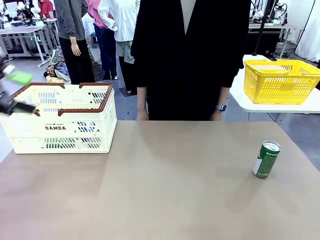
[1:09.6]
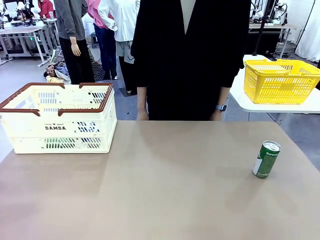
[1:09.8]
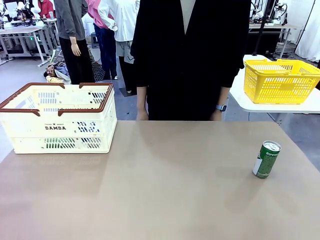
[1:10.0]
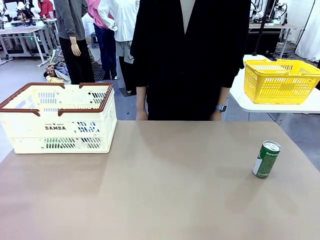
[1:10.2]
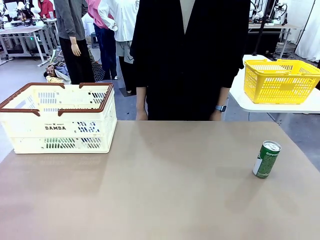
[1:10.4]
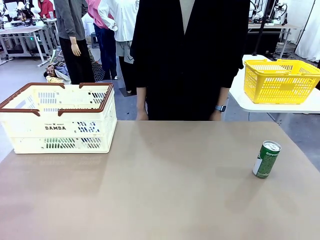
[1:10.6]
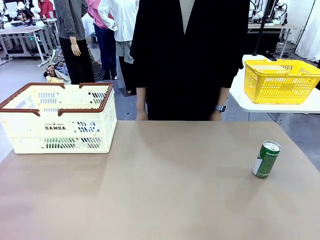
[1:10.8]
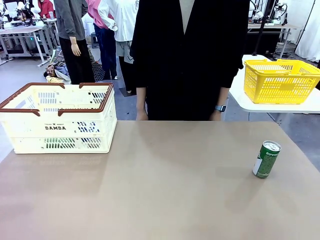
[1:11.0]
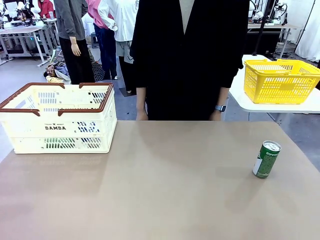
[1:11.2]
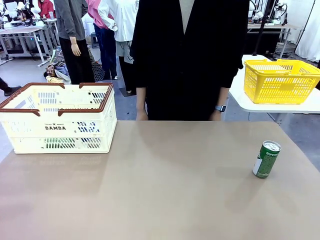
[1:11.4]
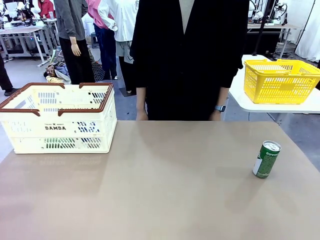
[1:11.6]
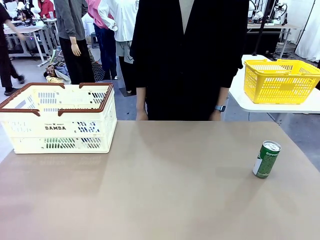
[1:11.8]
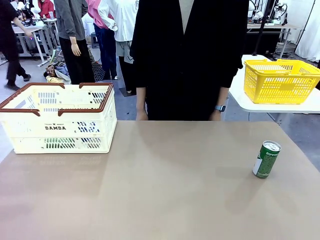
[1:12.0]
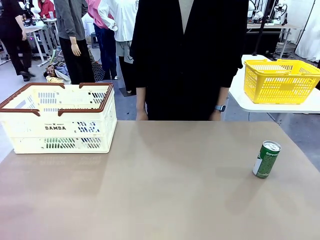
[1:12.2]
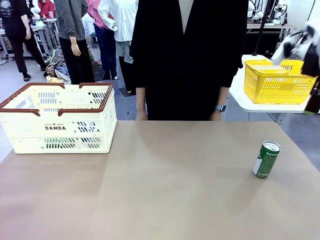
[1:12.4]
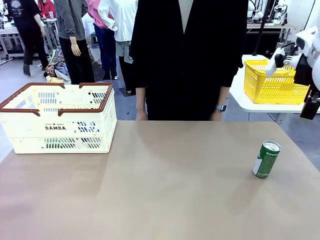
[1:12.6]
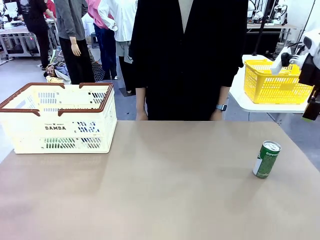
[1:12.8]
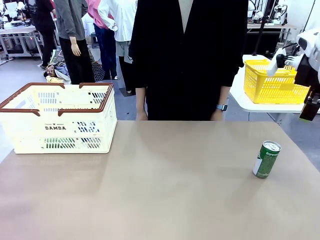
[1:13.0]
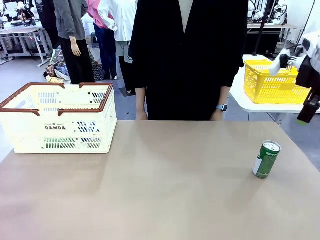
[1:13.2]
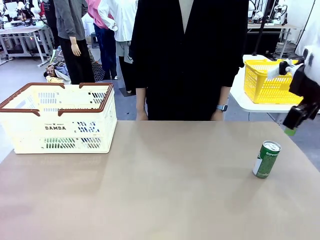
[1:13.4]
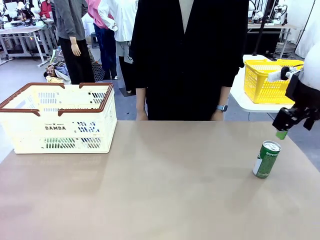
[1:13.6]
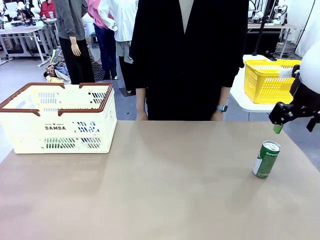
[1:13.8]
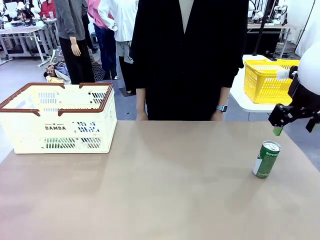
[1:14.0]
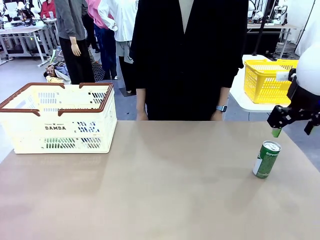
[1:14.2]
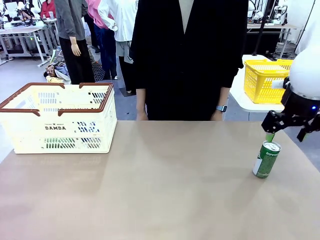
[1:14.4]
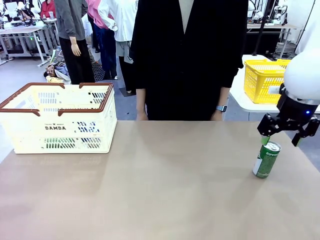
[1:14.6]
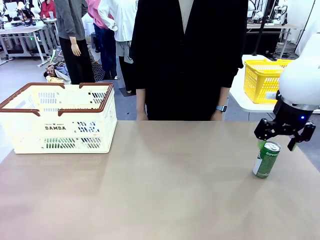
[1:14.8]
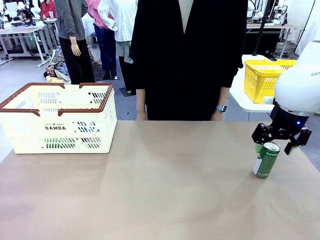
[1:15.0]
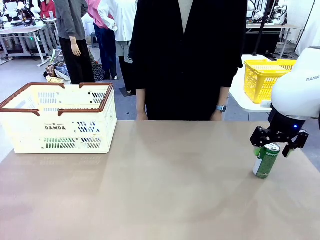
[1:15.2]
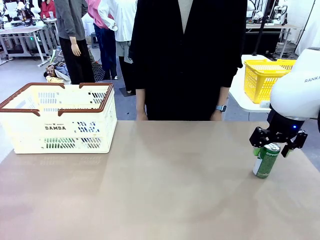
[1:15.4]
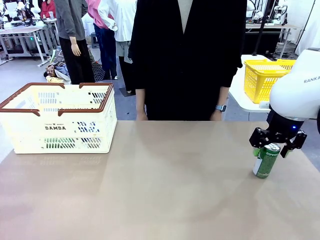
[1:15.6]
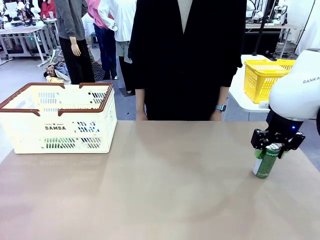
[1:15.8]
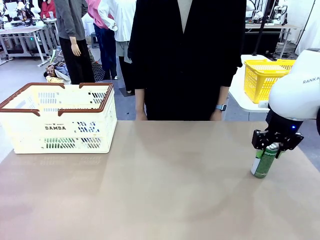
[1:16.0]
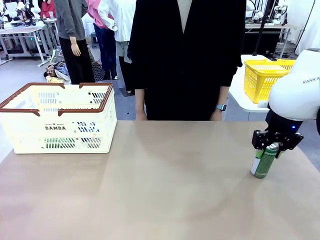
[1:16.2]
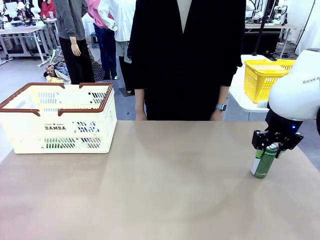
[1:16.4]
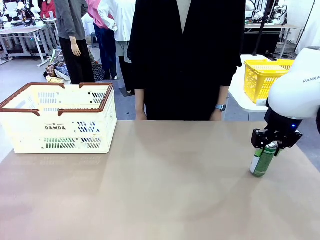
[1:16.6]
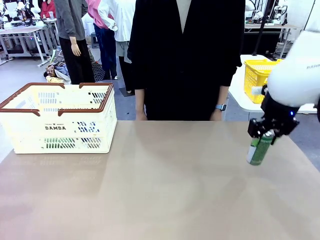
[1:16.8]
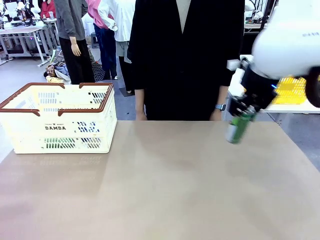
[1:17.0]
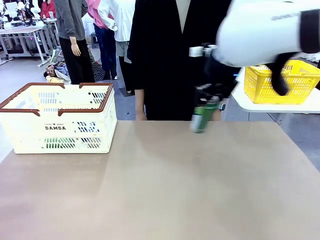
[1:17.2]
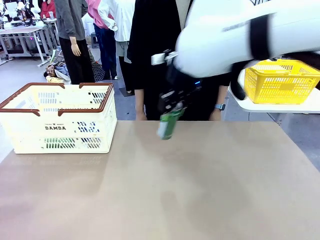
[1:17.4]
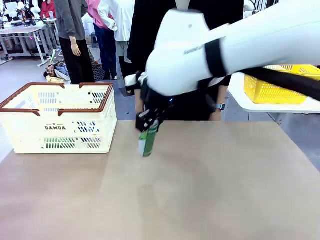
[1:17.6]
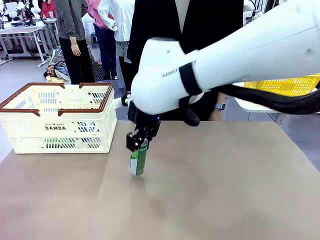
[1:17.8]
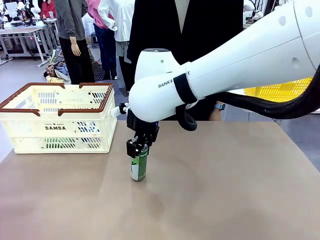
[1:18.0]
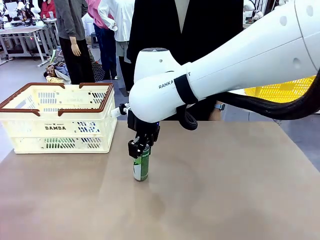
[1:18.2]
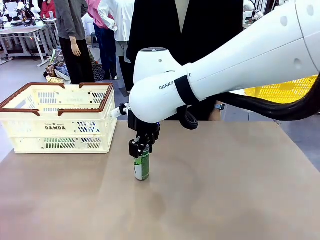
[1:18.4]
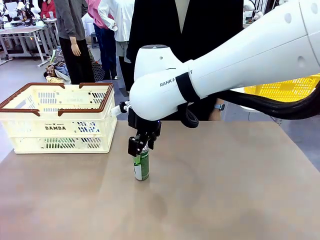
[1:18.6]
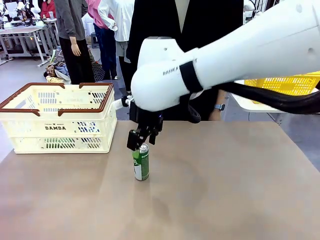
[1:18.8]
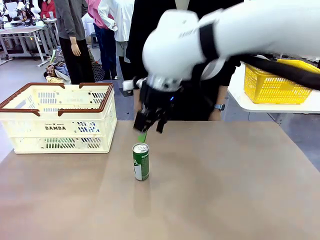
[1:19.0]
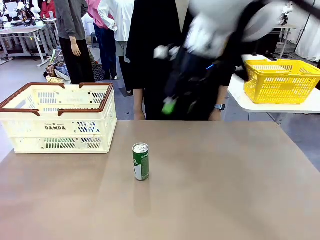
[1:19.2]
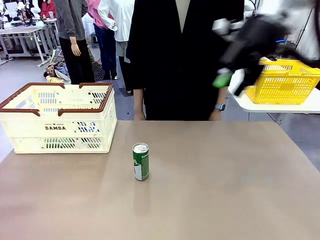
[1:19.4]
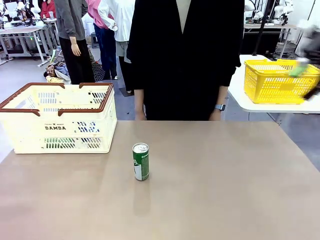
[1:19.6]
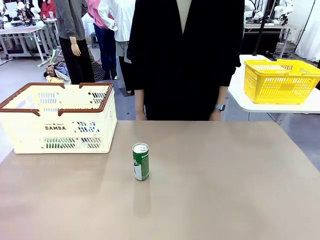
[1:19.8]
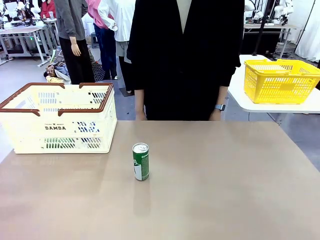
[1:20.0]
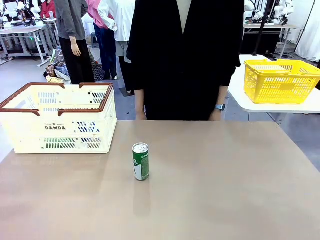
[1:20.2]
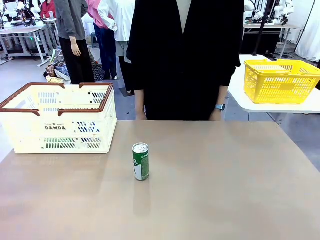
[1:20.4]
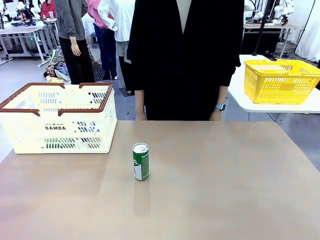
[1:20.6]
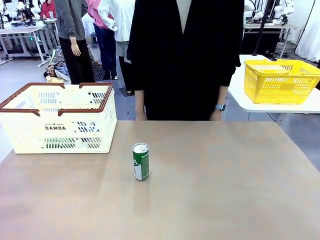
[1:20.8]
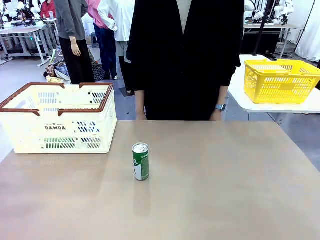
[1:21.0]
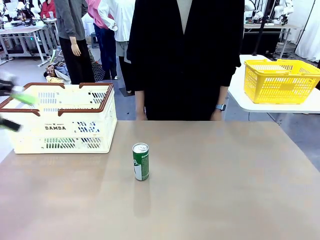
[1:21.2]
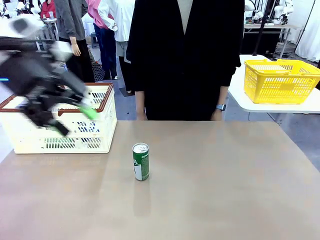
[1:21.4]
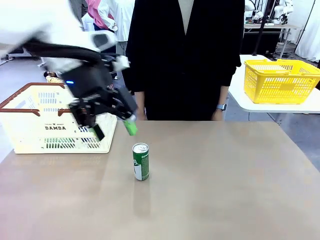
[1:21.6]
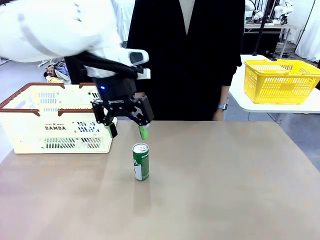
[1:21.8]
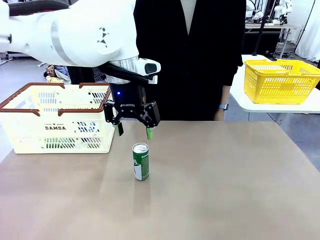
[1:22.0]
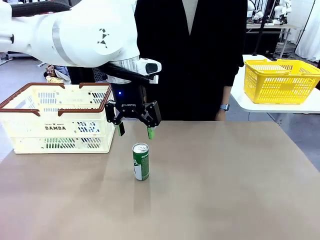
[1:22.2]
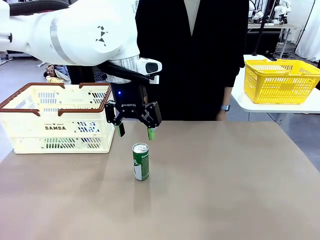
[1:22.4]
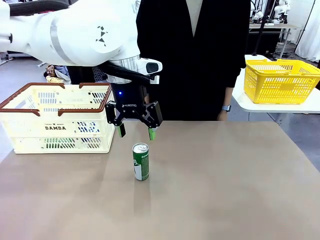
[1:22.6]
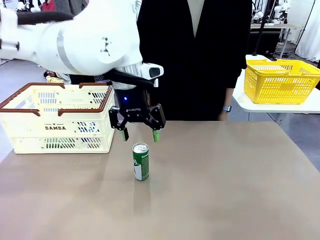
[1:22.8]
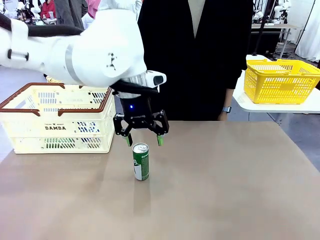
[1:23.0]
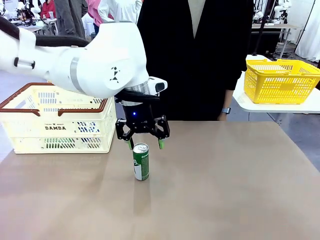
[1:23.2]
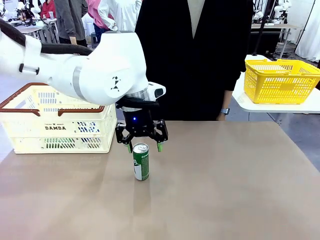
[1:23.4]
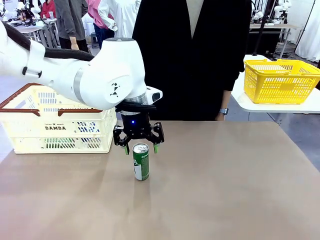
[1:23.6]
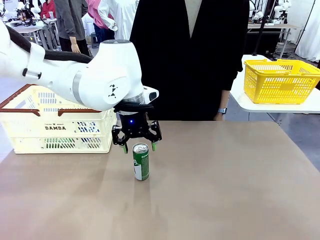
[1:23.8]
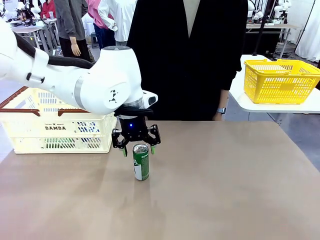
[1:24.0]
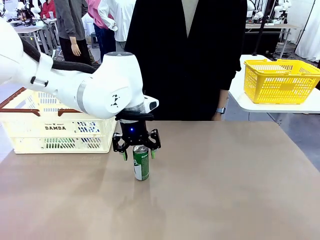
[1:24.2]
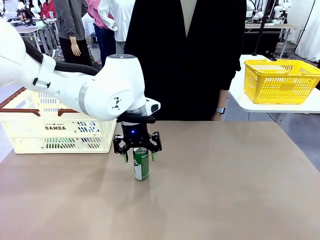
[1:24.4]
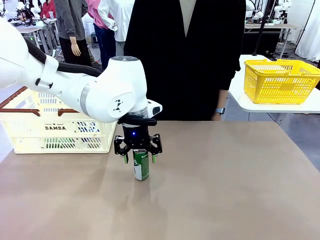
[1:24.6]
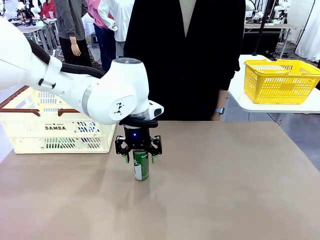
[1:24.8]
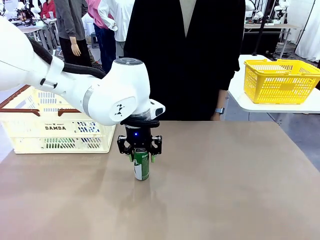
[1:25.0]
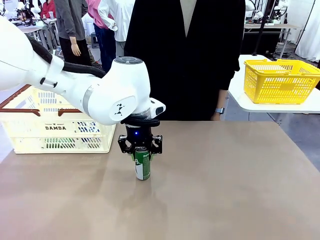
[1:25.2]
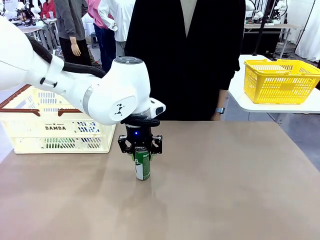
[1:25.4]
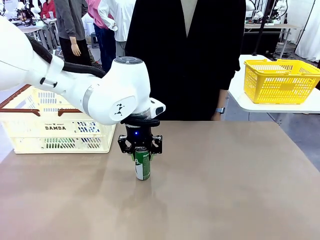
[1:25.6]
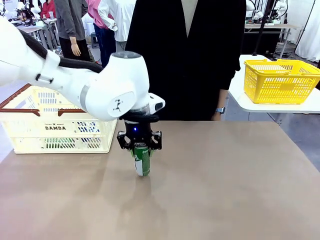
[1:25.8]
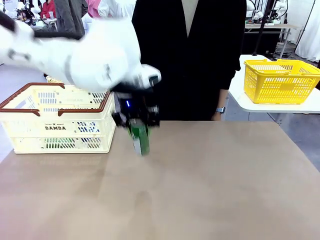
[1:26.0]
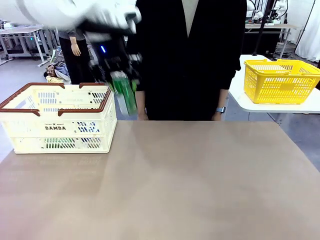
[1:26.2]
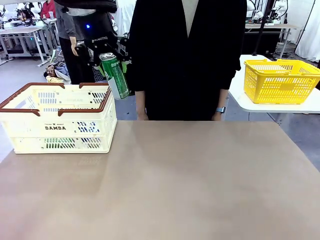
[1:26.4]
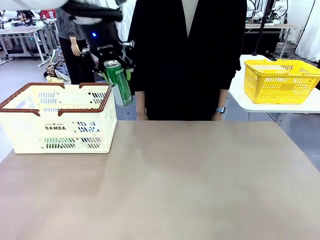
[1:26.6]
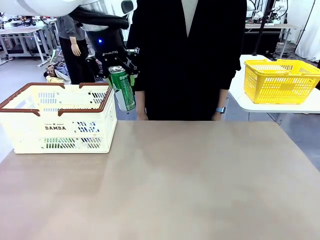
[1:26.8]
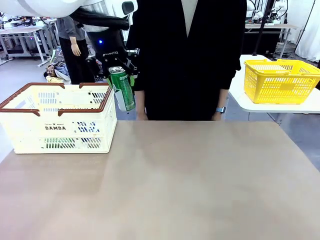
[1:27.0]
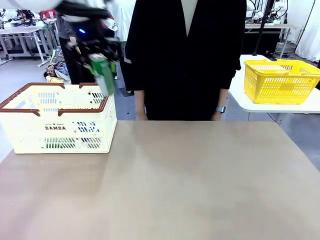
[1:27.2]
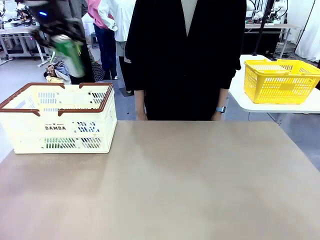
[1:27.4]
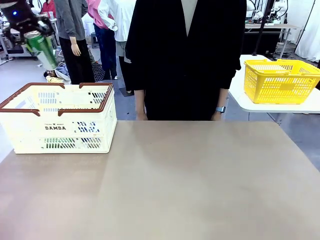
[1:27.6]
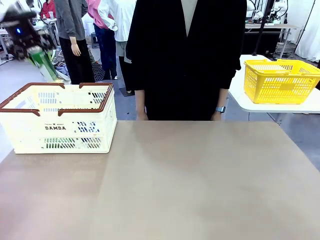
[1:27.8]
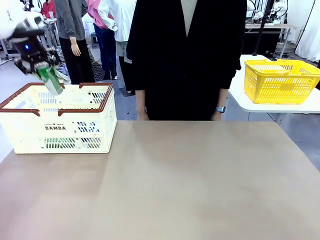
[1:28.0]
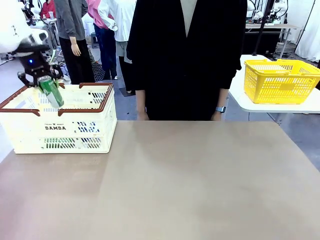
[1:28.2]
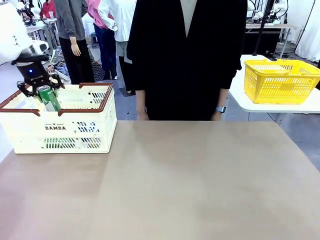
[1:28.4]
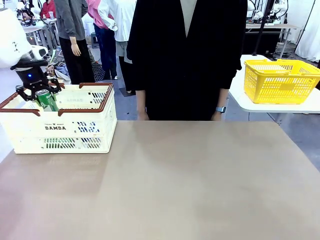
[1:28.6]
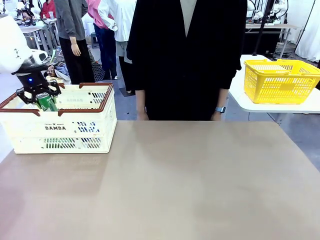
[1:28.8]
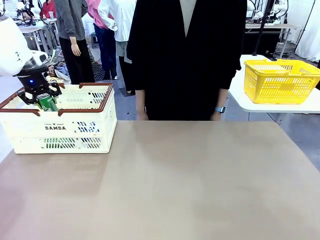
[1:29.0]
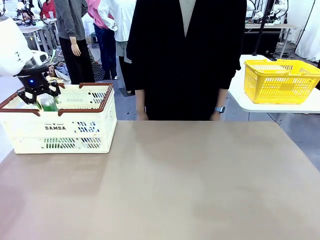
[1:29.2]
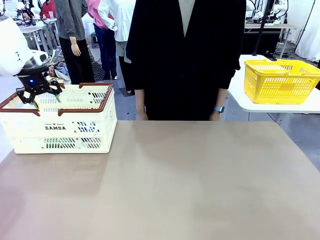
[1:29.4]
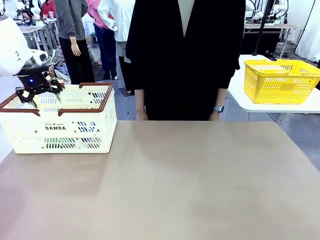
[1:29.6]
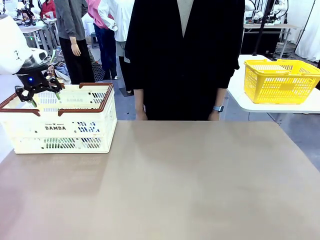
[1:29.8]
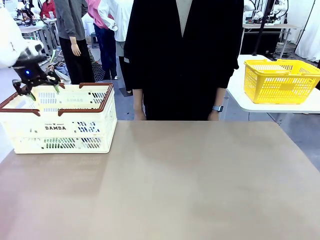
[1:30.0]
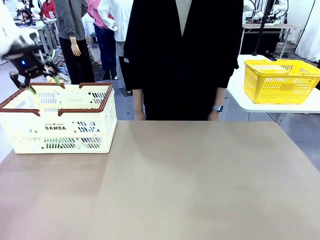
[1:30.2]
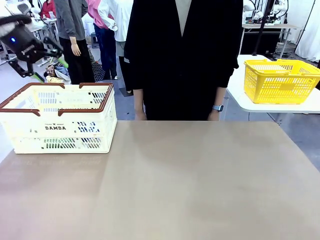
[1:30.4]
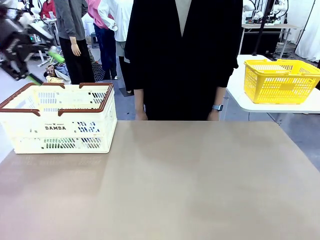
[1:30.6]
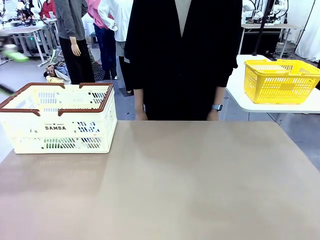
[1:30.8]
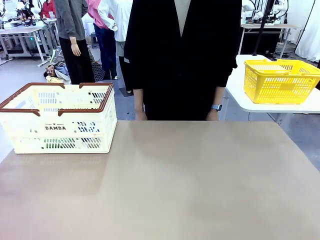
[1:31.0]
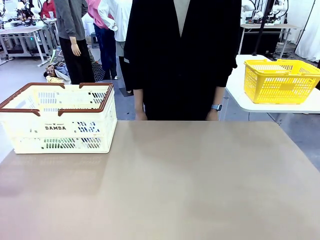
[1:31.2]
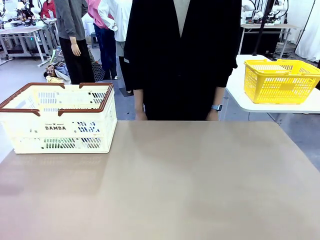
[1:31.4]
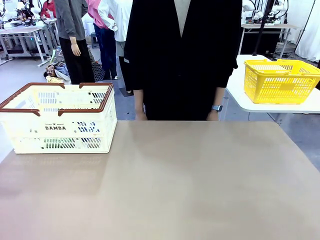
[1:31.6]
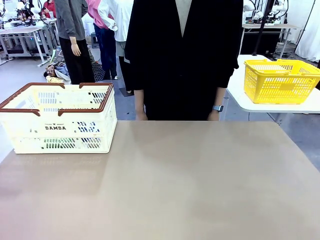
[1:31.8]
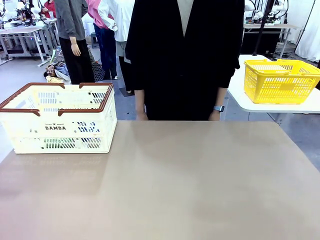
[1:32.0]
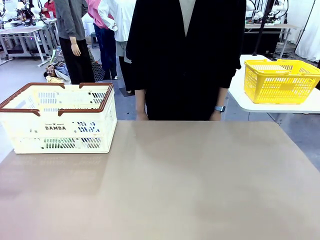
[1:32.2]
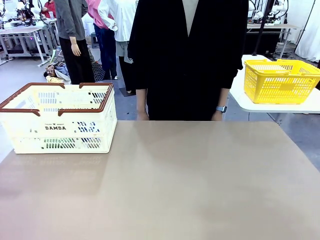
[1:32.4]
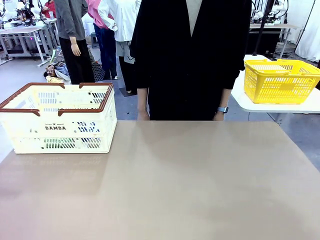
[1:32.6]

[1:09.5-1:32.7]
Task: Place the drinks into the Shopping basket.
Robot: Pick up one drink and place it into the Shopping basket.
